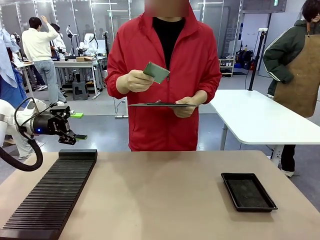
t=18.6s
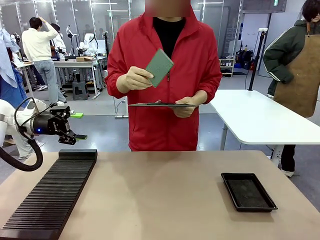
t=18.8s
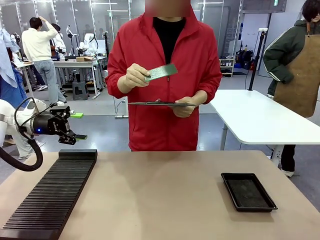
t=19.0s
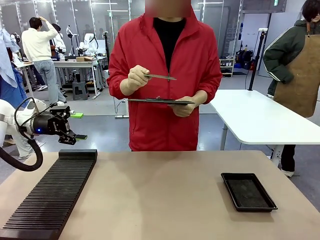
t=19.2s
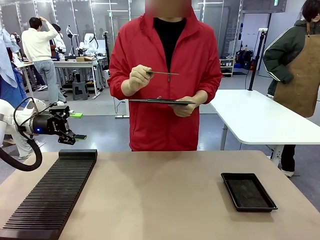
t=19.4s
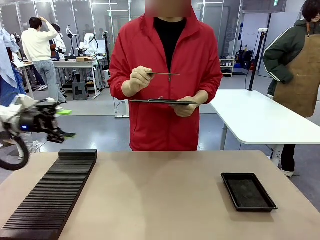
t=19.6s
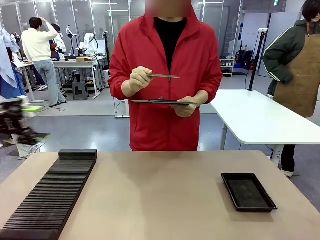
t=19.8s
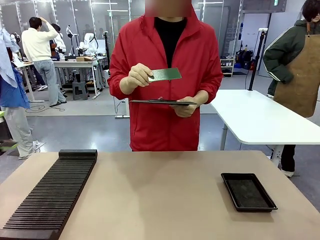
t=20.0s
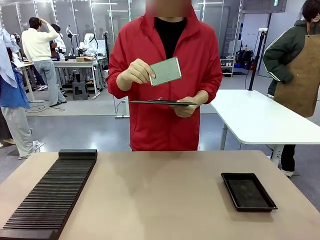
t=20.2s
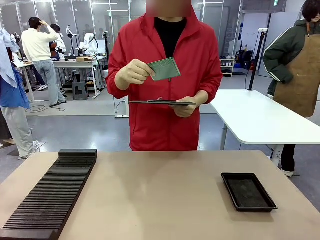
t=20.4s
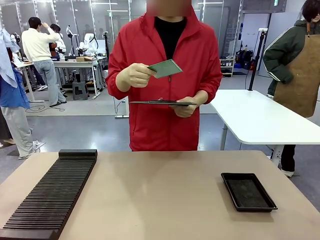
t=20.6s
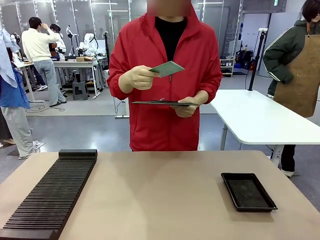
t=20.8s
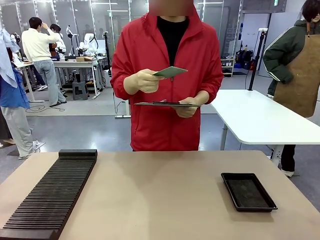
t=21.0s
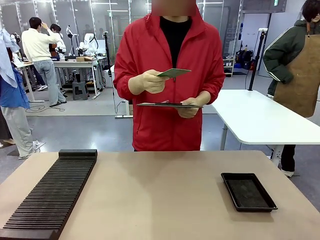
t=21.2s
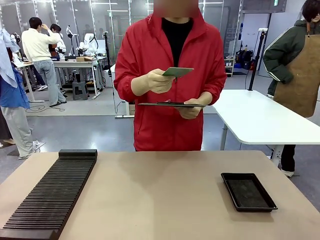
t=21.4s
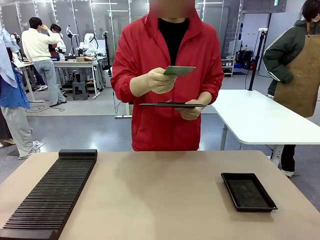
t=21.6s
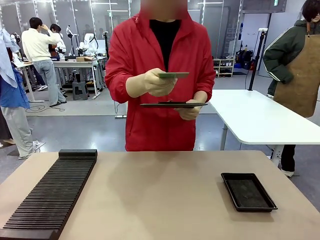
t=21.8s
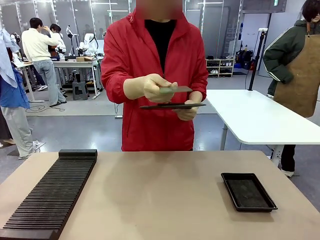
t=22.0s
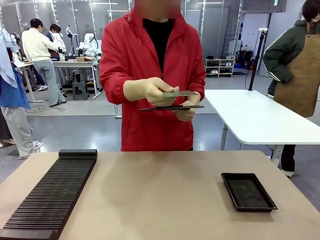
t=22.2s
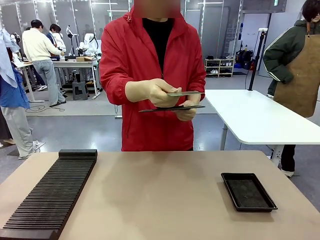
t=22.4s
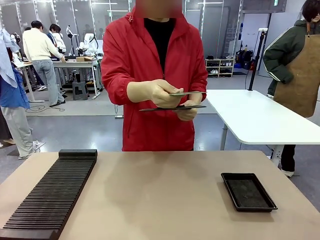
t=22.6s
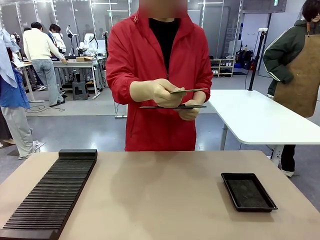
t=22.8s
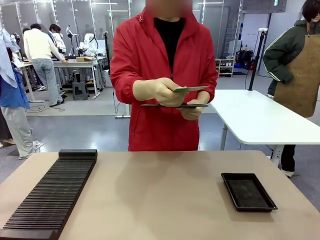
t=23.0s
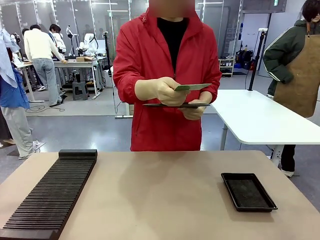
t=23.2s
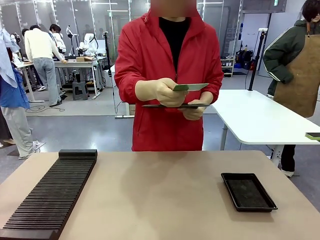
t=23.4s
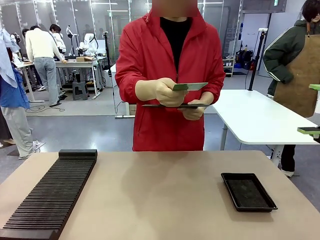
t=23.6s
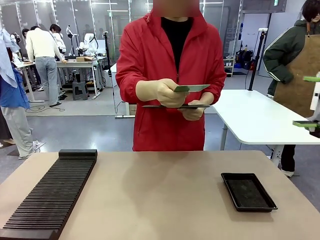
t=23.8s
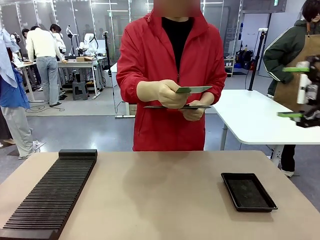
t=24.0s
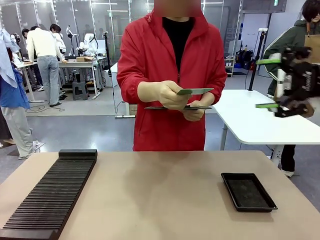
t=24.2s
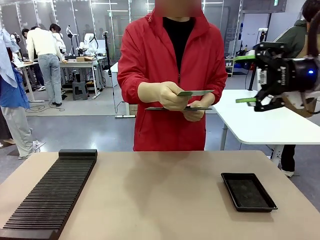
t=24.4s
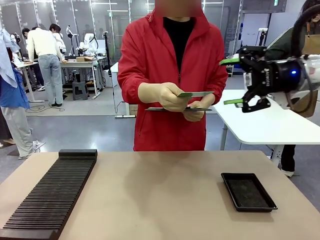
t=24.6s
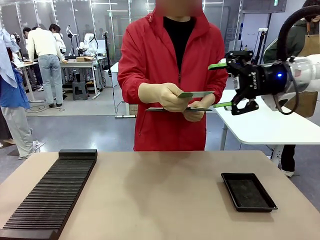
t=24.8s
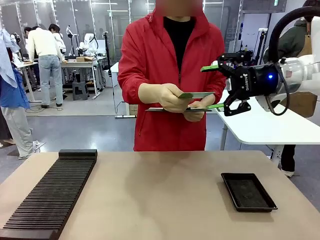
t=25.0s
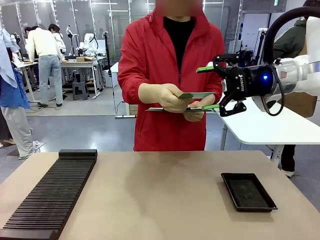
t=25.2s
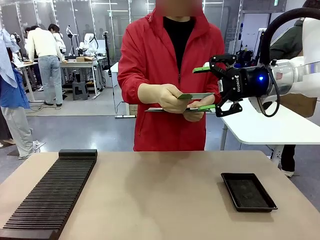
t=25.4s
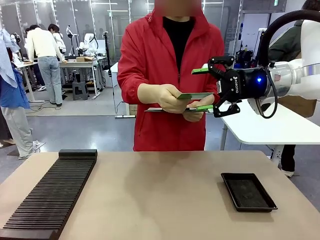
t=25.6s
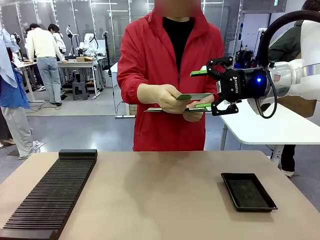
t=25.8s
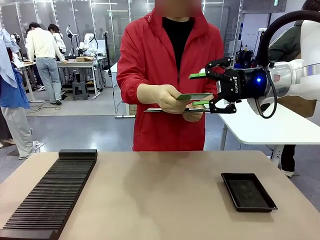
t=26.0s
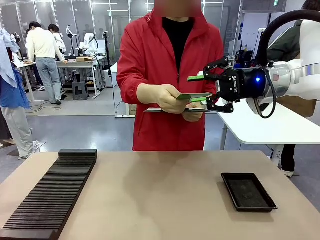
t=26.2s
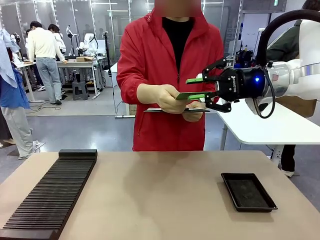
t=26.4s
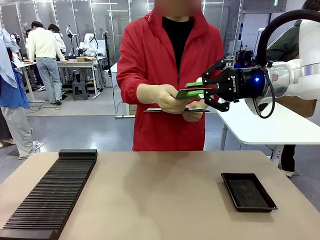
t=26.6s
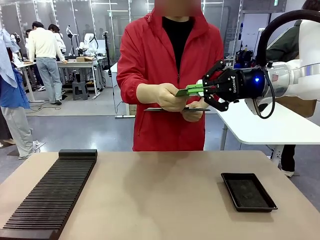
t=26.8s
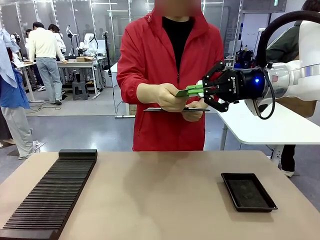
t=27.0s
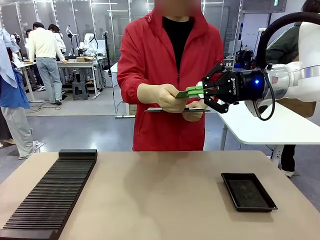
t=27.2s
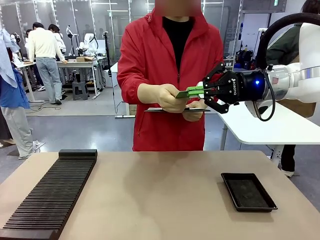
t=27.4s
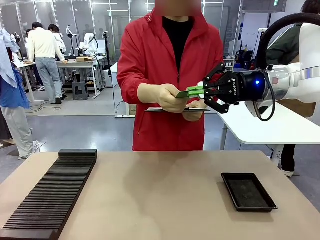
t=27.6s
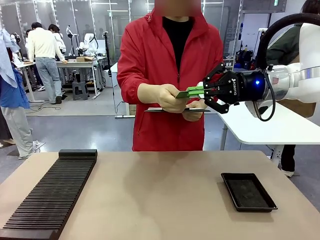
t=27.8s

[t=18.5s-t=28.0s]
Task: Inspect the PCB.
Robot: Pick up the Blank PCB that the human is holding.
Person: Inspect the PCB placed by the robot, then hold it out in front of the robot. Release the PCB you were holding.

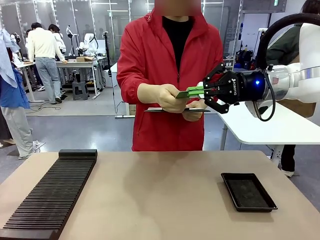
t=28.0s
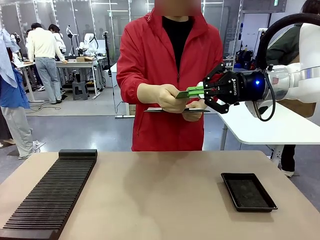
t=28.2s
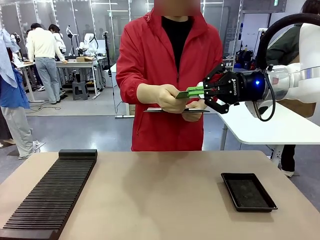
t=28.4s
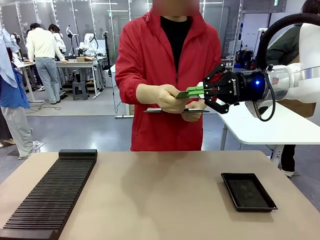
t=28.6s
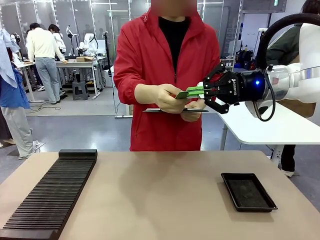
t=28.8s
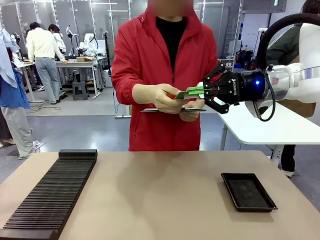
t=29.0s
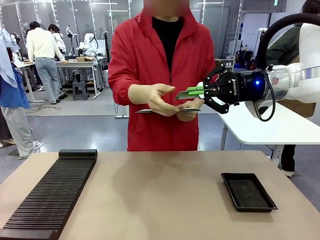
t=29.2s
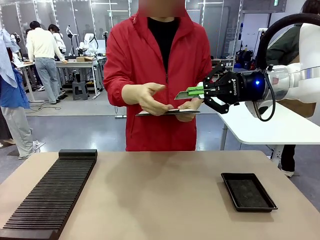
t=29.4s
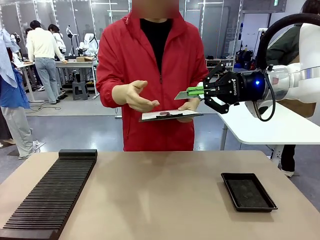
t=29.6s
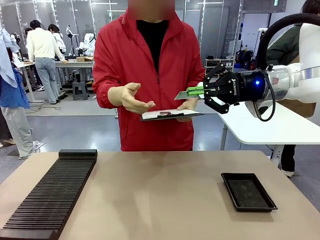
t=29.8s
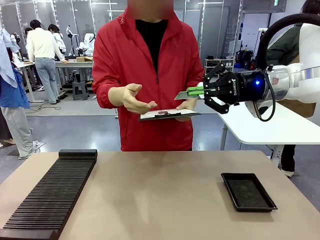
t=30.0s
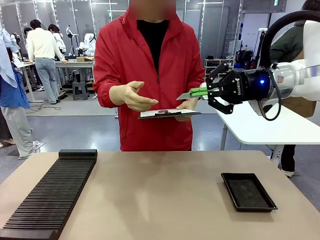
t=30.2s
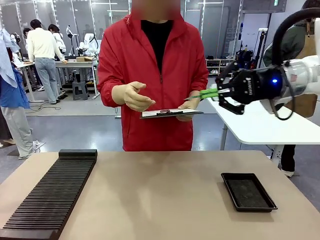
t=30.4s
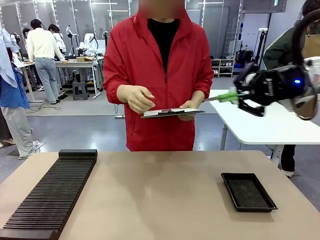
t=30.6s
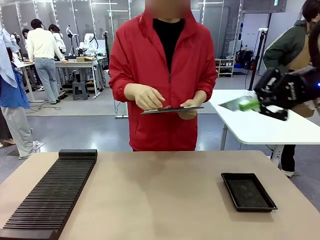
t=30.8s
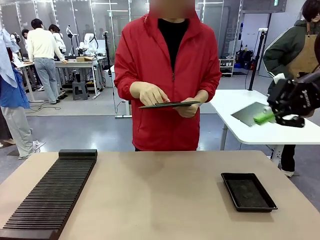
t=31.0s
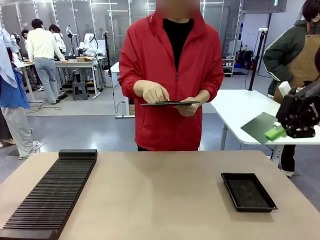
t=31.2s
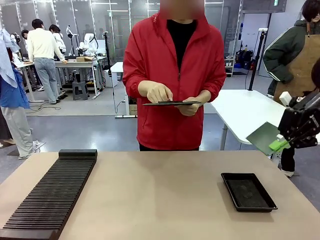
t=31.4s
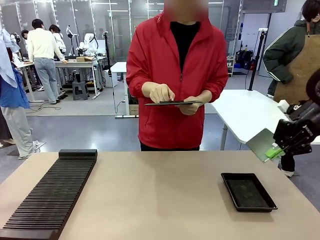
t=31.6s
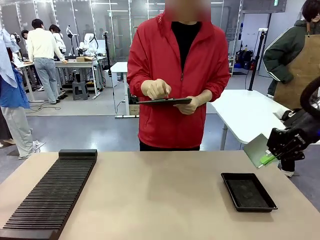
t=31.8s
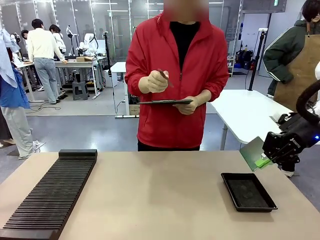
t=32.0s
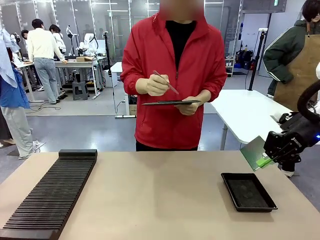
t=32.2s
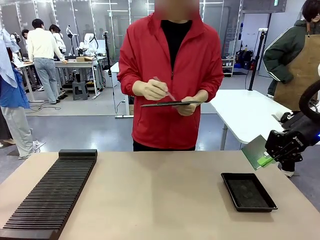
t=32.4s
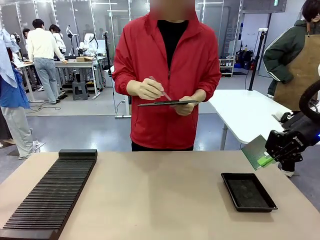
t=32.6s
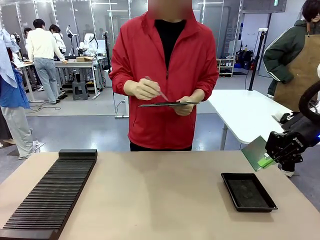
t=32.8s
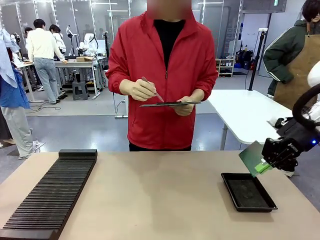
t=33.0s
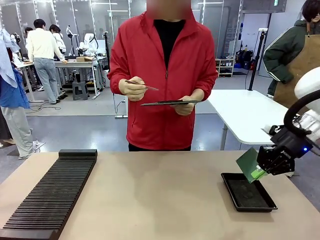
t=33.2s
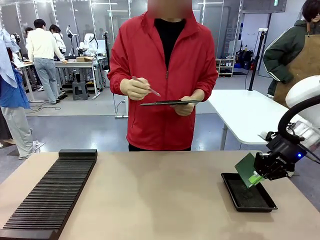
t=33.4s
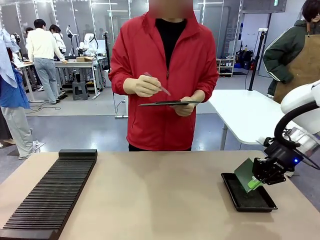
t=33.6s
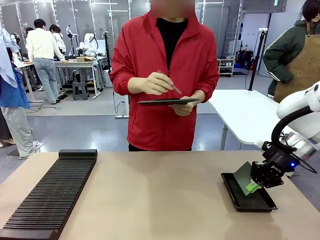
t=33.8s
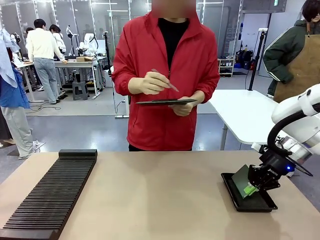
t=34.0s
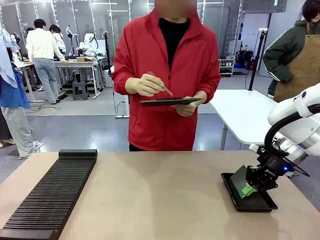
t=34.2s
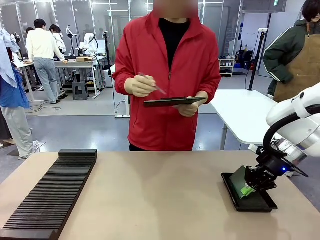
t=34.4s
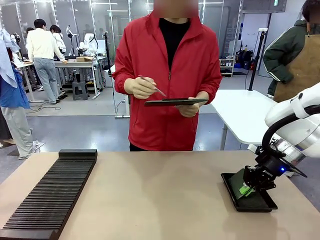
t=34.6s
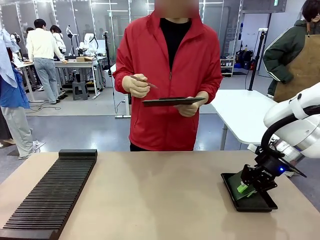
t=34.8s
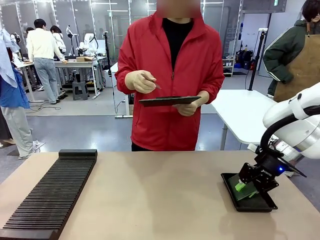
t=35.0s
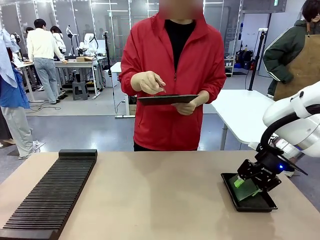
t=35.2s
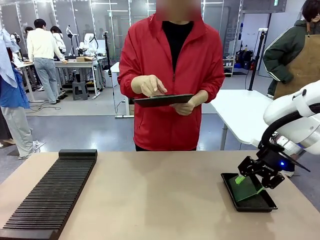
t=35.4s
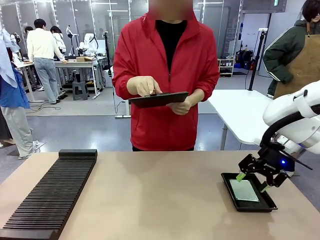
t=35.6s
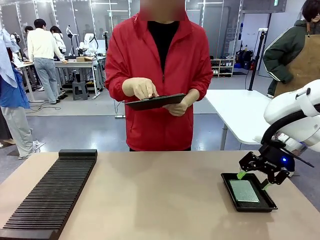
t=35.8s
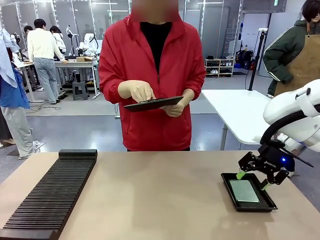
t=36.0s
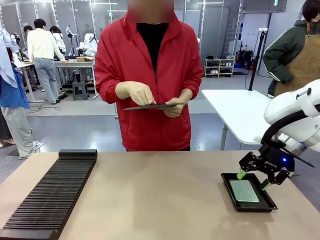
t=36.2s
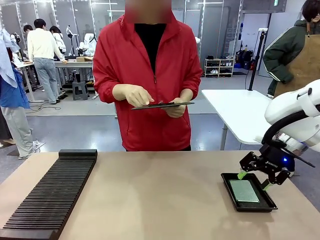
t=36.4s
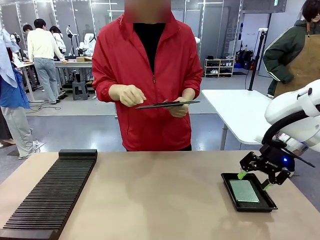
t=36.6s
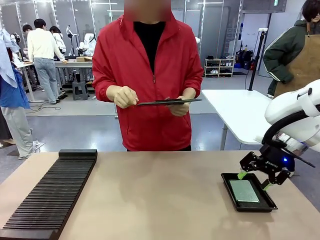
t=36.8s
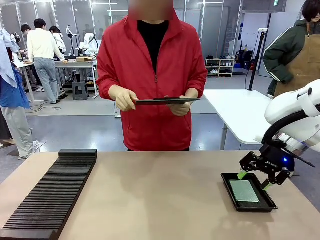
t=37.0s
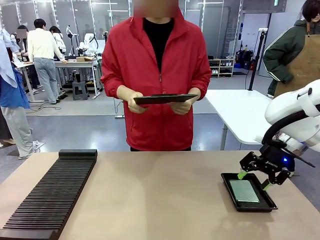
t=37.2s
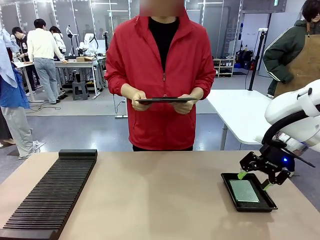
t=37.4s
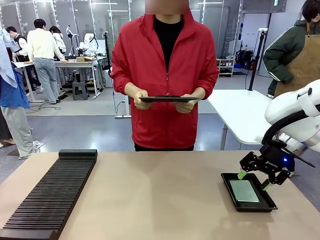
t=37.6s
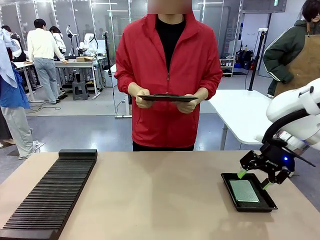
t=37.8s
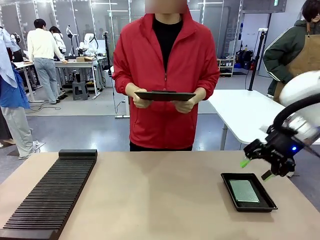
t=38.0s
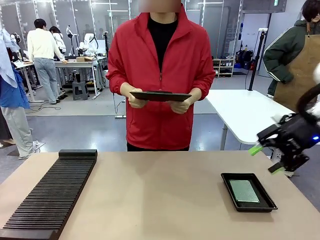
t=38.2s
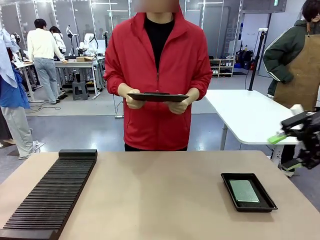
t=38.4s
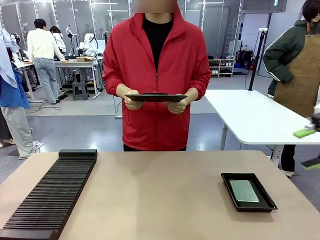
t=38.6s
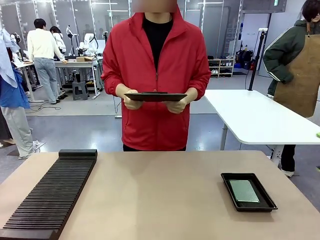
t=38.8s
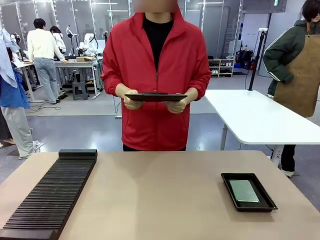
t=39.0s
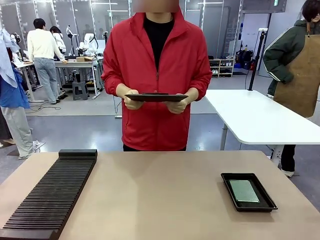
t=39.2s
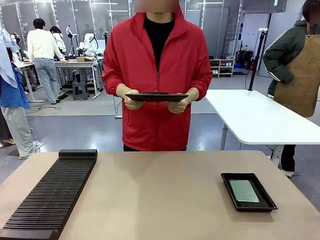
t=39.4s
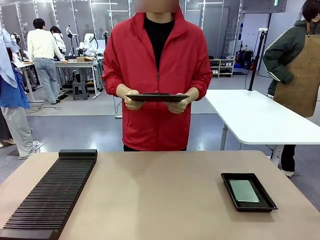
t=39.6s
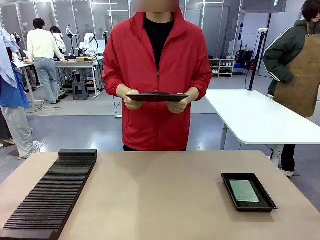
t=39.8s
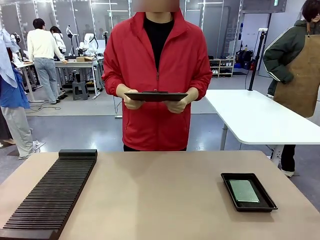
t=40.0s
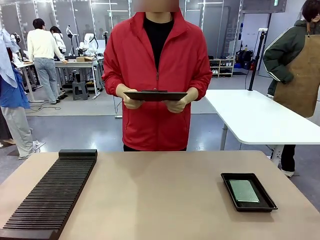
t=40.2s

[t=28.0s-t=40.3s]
Robot: Place the Blank PCB in the ESD tray.
Person: Record the PCB status on the paper.
